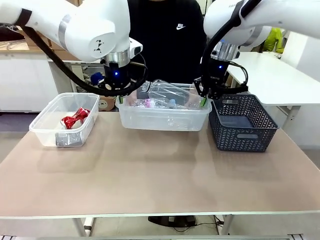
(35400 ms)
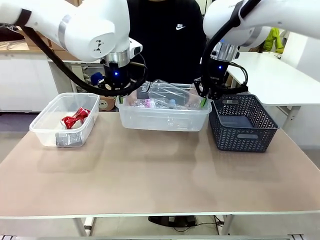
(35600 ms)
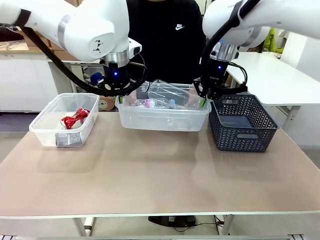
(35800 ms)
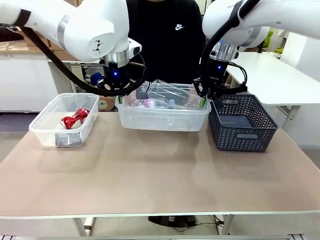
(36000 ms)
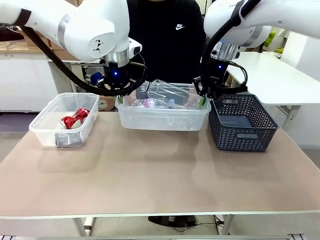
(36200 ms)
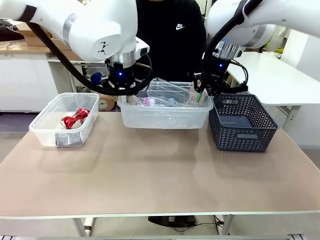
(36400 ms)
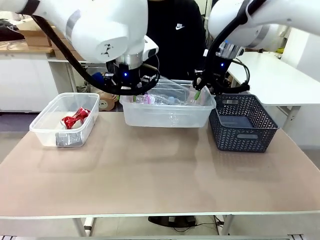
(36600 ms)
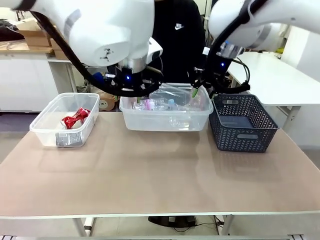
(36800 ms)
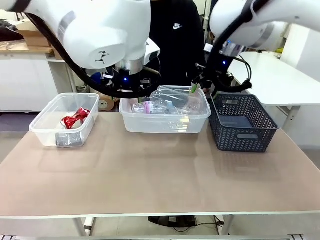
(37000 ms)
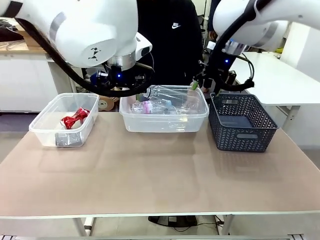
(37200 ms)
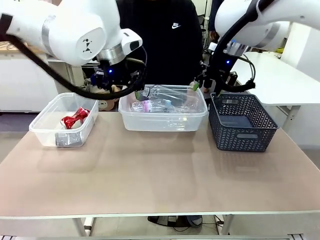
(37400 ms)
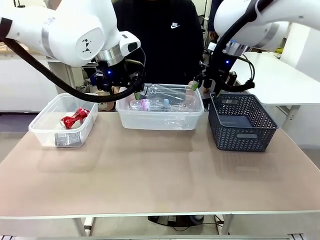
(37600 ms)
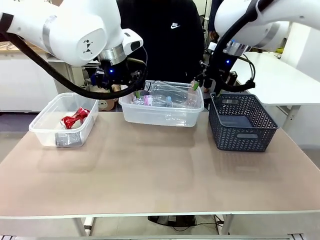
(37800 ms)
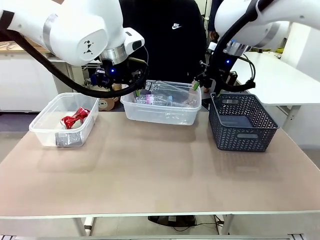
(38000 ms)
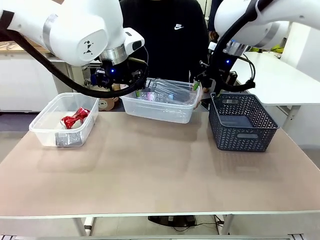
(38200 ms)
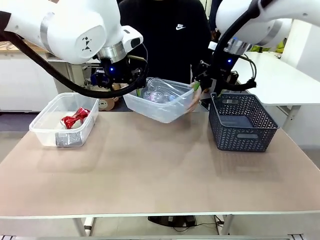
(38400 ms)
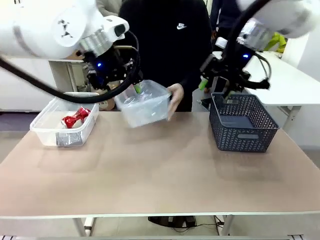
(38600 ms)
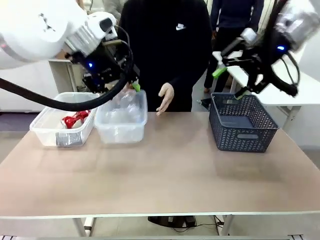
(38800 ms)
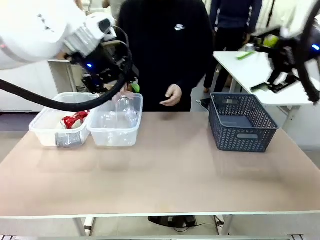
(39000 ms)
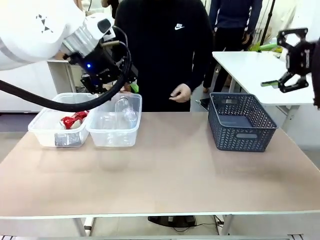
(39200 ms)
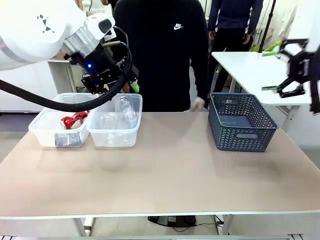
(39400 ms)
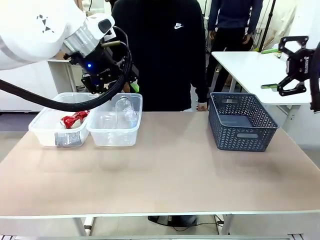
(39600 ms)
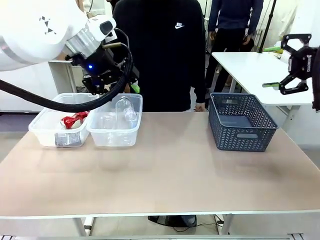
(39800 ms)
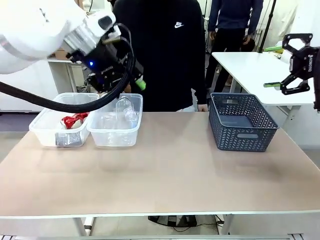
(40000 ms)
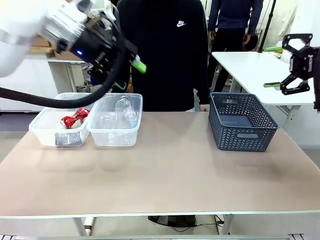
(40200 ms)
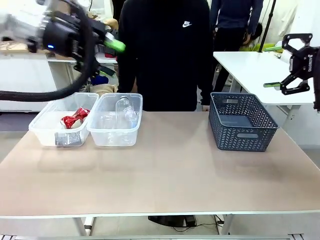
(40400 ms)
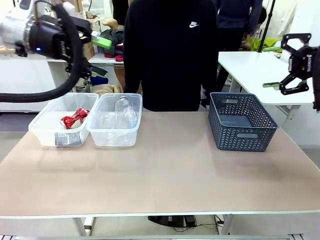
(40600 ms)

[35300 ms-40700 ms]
Robot: Release the Organizing box you were holding.
Person: Place the organizing box to the left of the sorting box containing the can waste.

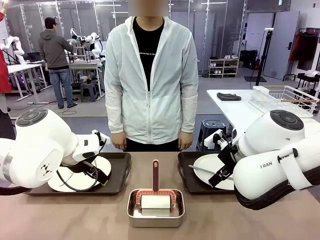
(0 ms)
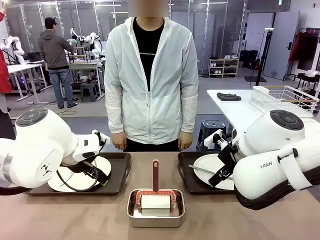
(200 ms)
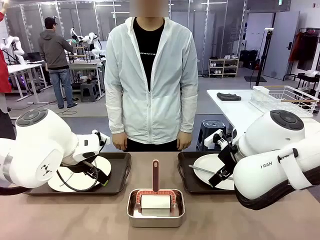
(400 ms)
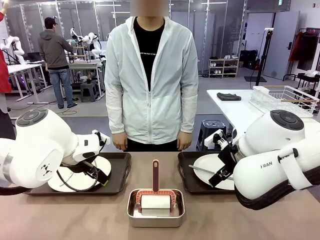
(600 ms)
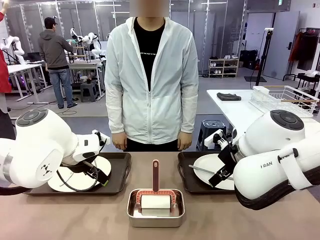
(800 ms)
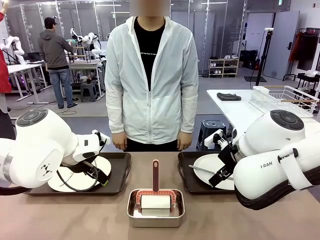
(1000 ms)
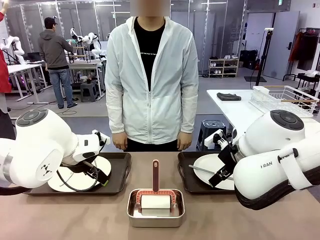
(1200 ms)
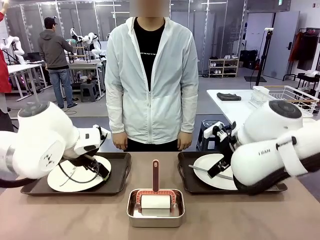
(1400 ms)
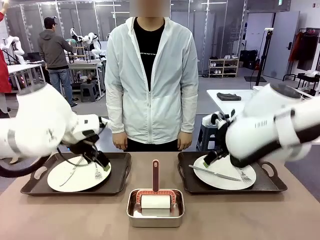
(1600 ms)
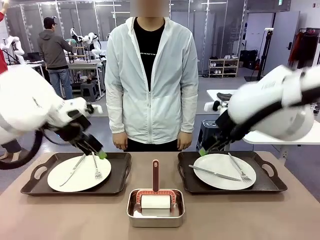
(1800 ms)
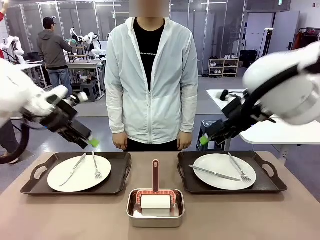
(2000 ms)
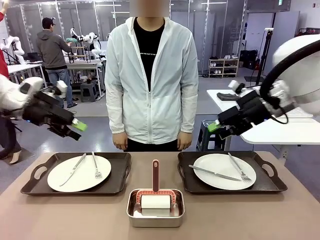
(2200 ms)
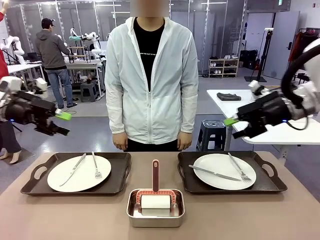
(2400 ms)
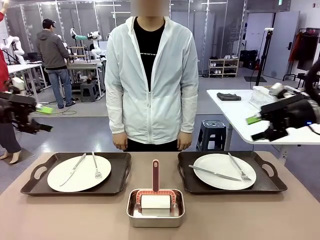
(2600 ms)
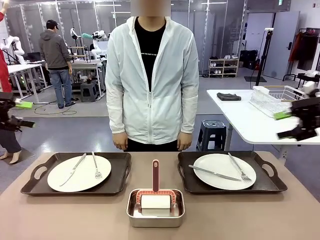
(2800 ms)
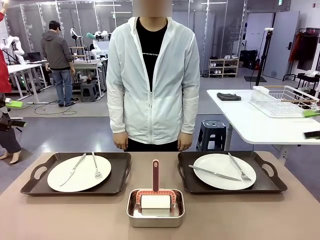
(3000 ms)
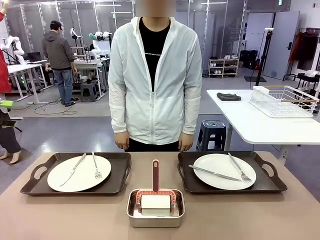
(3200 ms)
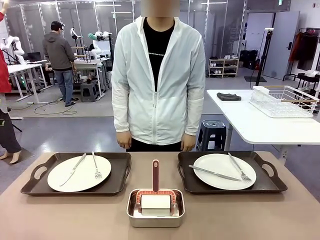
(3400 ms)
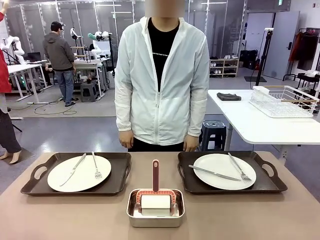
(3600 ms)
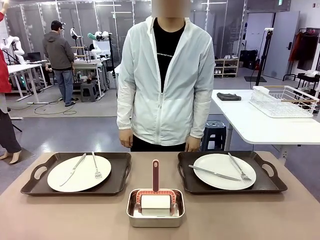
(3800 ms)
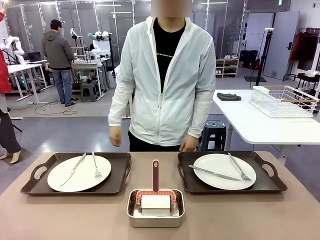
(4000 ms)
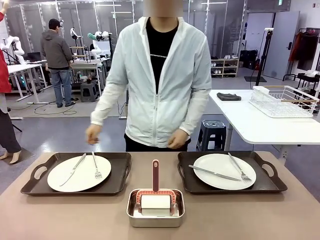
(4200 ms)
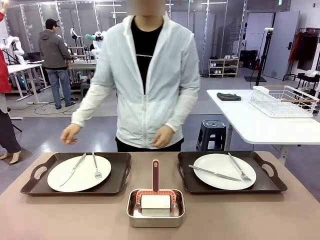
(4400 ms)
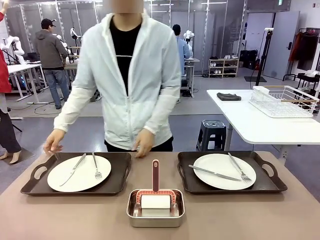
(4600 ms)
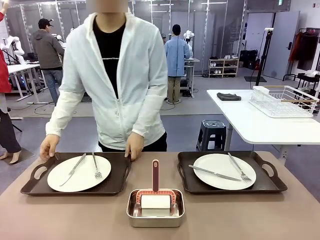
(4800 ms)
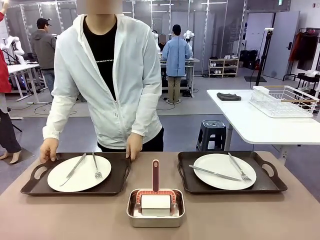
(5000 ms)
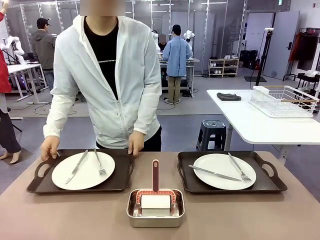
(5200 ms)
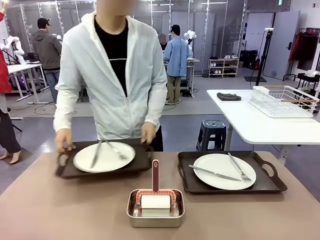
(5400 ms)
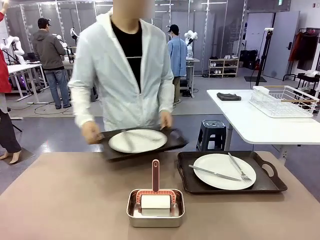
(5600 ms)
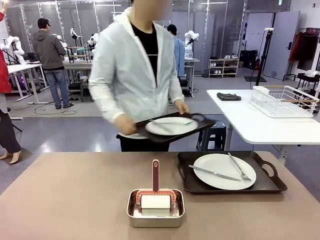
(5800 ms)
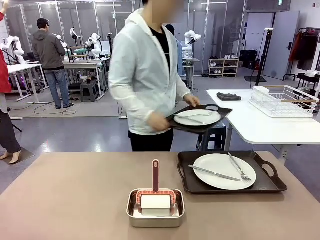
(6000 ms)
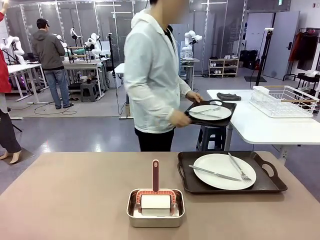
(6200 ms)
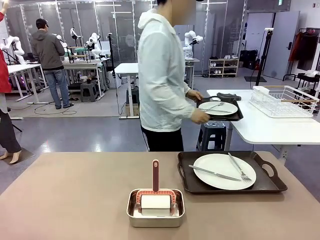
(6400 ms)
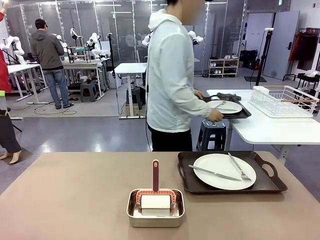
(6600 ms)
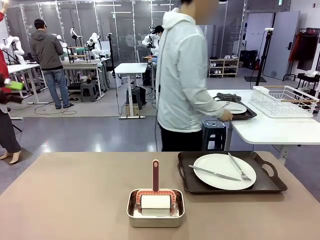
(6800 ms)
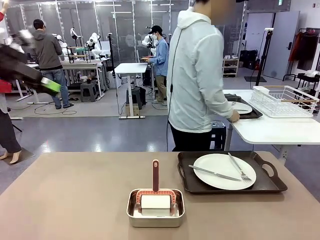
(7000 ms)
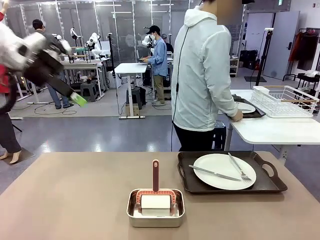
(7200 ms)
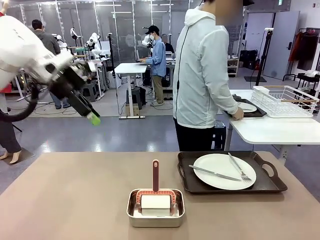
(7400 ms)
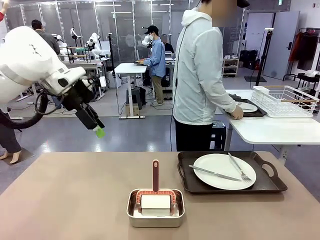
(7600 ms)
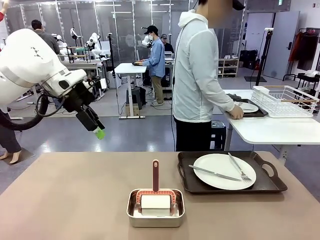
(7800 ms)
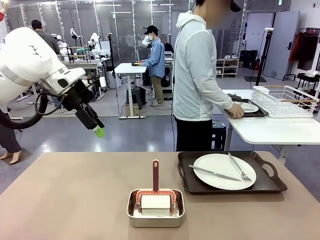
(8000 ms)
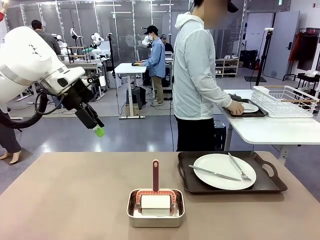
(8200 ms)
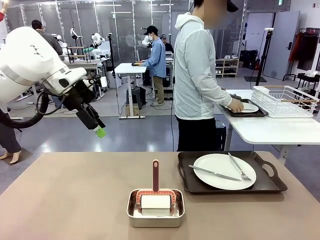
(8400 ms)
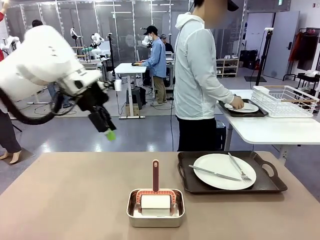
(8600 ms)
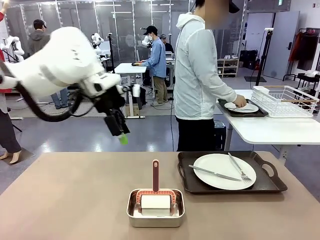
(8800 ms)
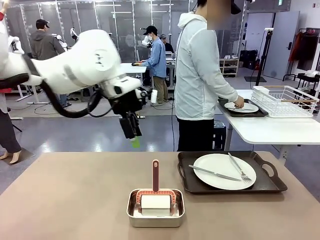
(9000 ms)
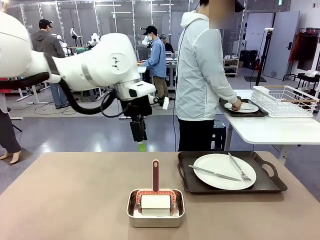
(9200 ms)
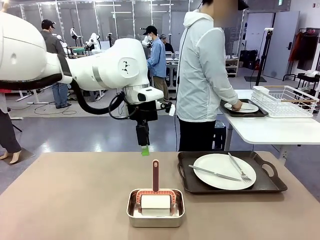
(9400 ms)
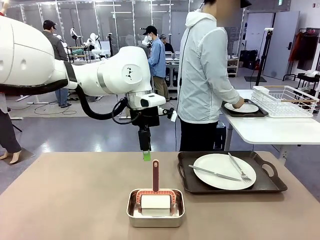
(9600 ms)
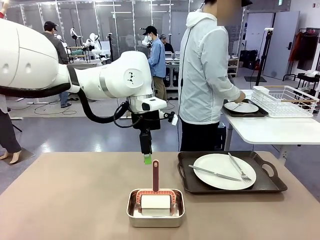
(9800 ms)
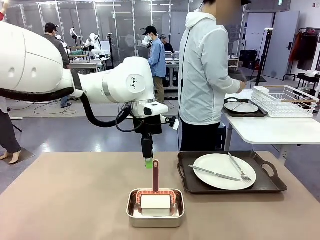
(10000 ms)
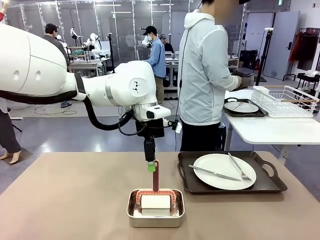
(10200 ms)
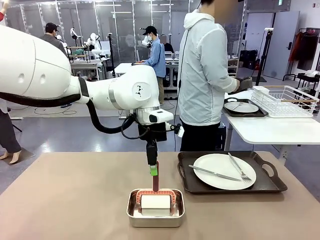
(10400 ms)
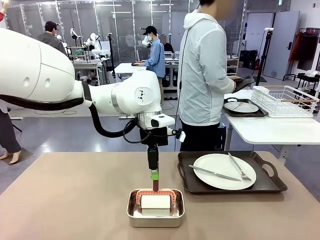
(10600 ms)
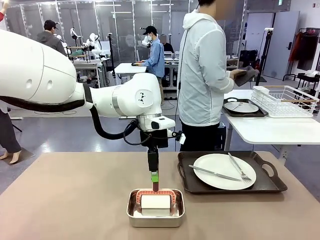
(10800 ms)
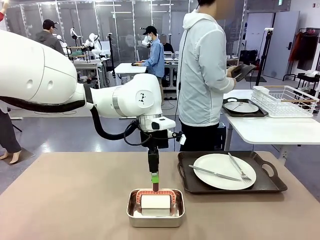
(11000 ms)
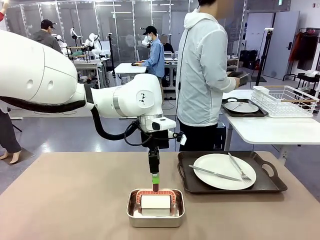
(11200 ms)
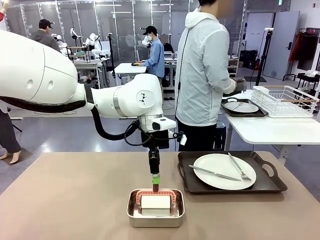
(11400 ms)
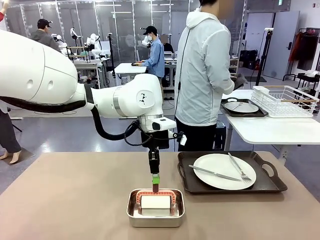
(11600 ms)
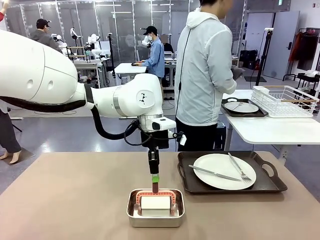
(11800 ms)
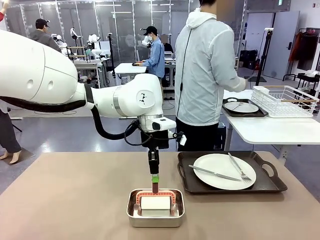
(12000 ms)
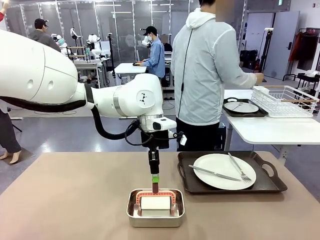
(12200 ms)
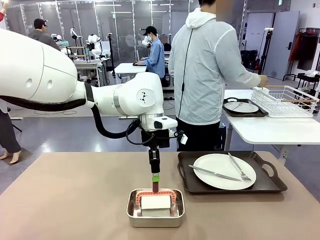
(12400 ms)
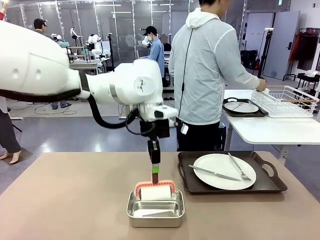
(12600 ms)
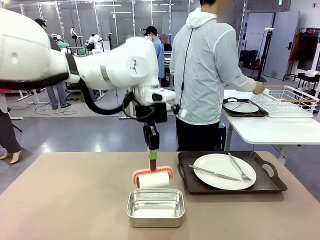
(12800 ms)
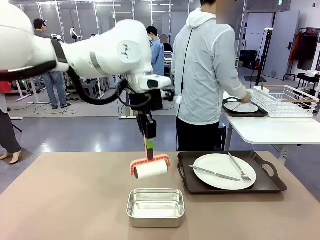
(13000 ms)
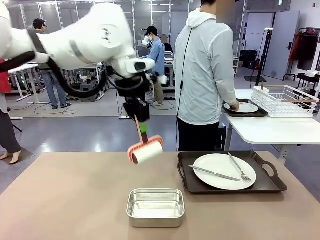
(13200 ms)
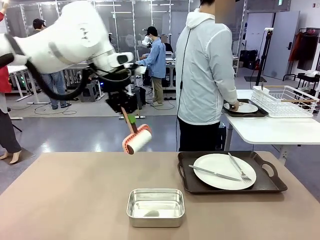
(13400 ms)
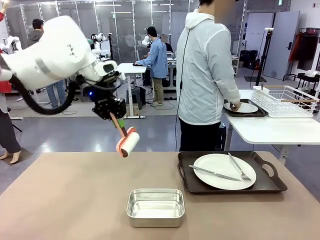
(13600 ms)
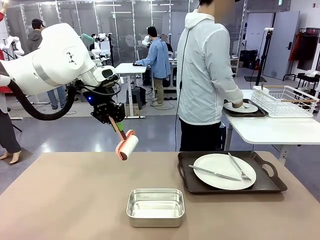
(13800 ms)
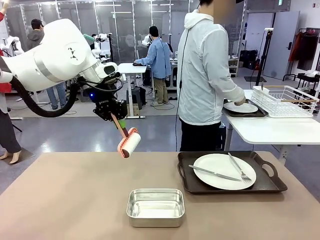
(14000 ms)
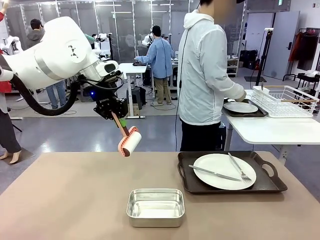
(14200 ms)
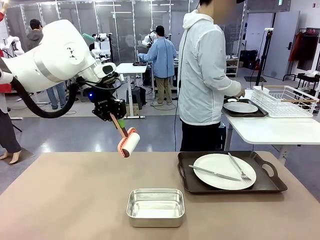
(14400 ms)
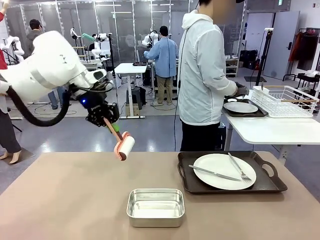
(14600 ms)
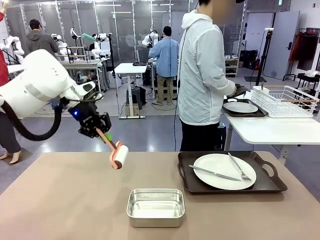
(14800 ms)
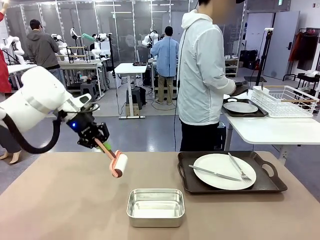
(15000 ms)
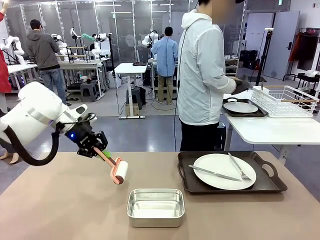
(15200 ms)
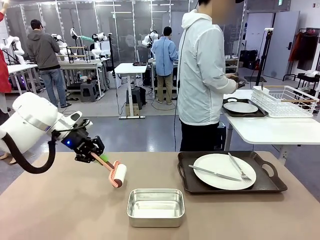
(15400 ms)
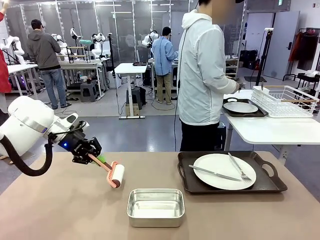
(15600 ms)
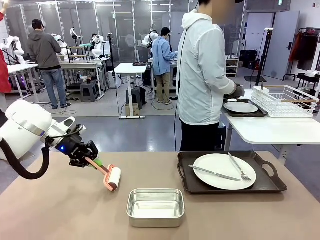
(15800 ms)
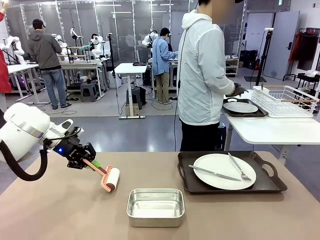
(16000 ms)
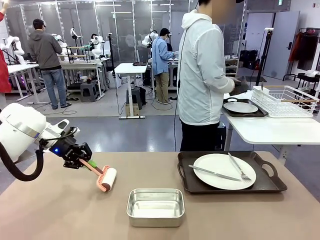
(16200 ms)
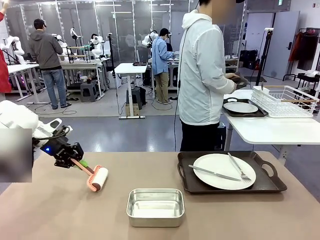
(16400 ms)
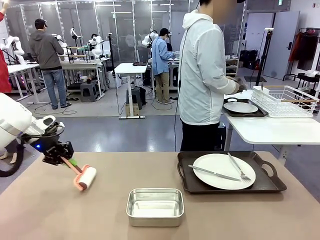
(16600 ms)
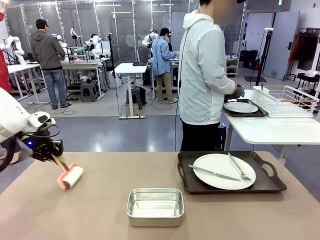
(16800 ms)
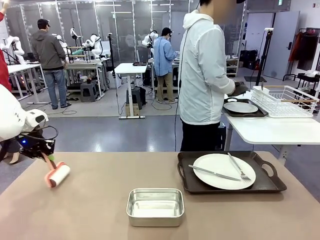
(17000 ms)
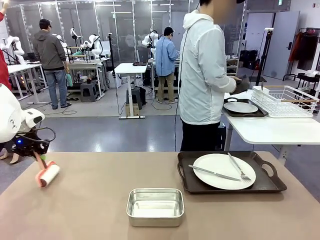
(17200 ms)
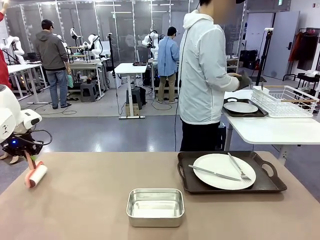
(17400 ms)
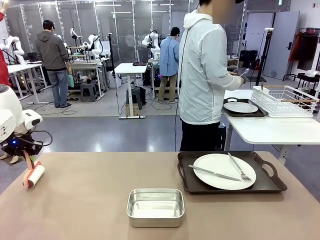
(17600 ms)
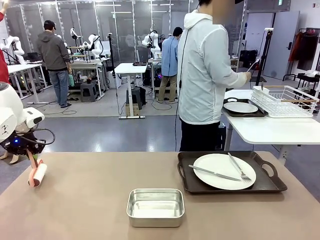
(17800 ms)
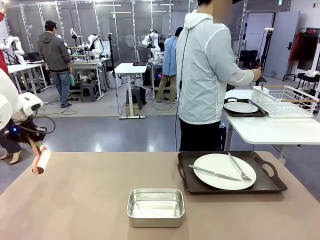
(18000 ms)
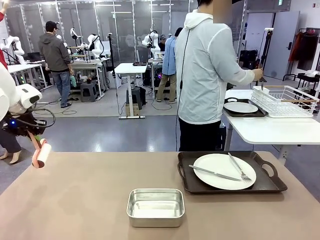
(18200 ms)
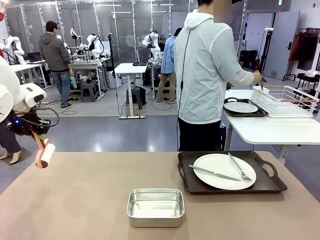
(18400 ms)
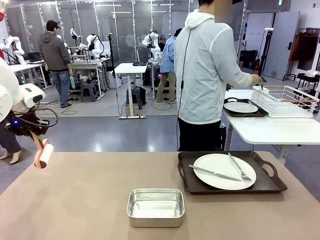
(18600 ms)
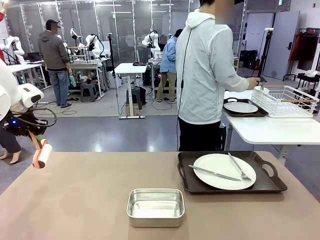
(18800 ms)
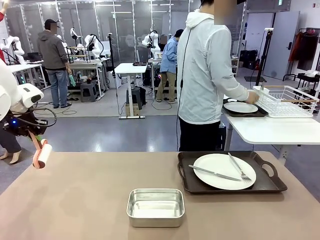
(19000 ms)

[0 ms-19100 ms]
Robot: When the left (or right) Handle tray is removed, use the left hand (or right hand) to clean the left (or right) side of the table with the Lint Roller.
Person: Pick up the left (or right) Handle tray and place it on the middle of the Human's table. Use the Towel with hook to wipe the Plastic Matte Plate , Fork , and Knife and place into the Dish drying rack.
